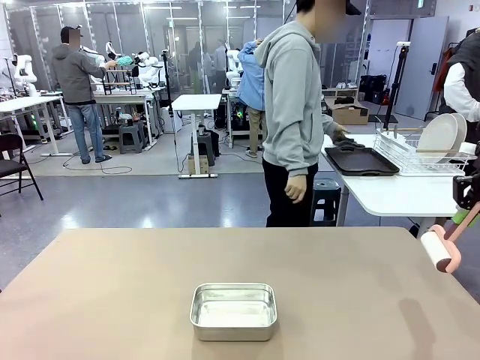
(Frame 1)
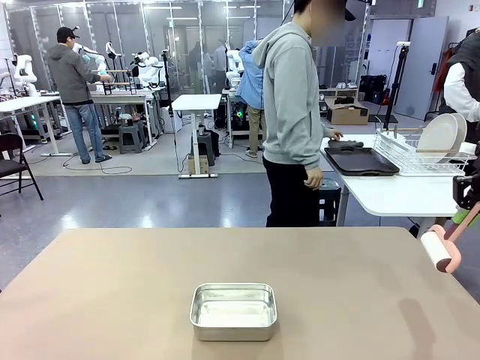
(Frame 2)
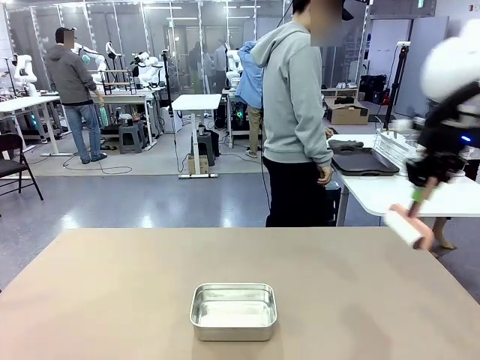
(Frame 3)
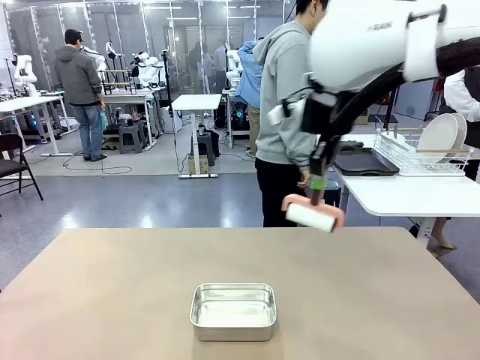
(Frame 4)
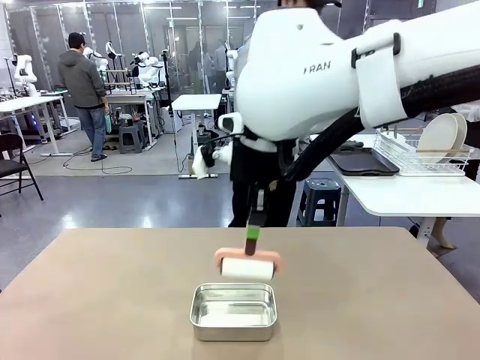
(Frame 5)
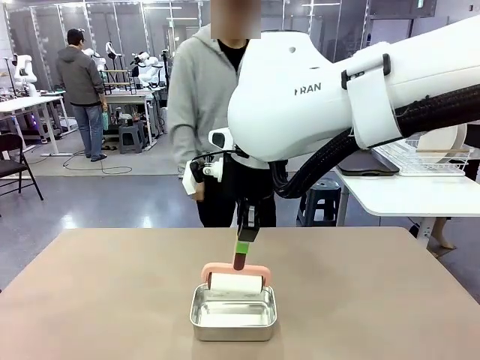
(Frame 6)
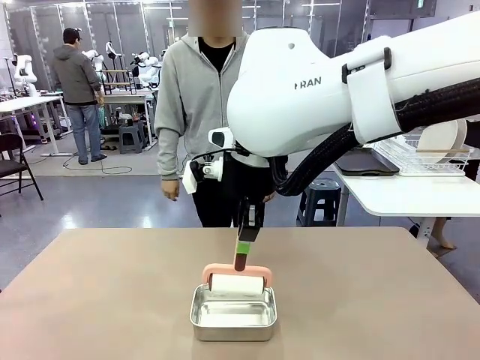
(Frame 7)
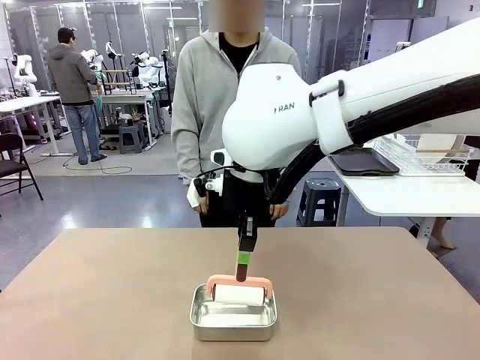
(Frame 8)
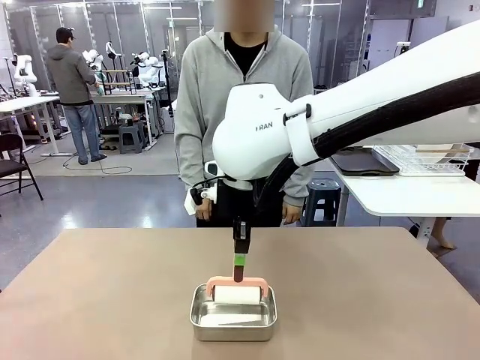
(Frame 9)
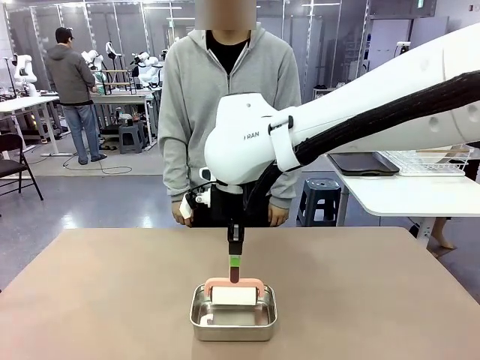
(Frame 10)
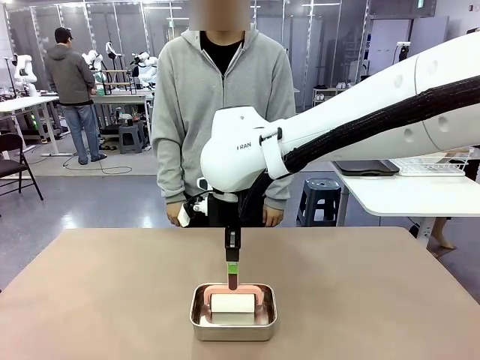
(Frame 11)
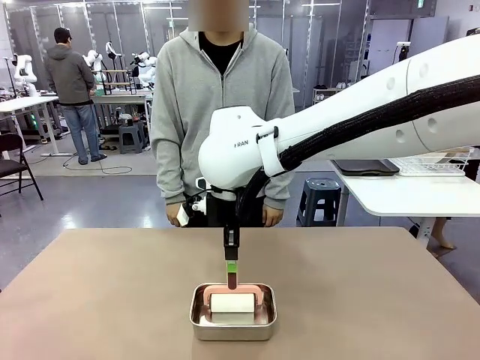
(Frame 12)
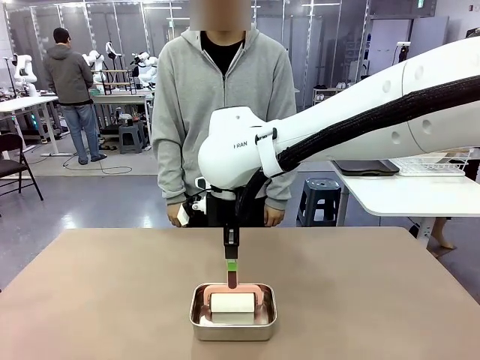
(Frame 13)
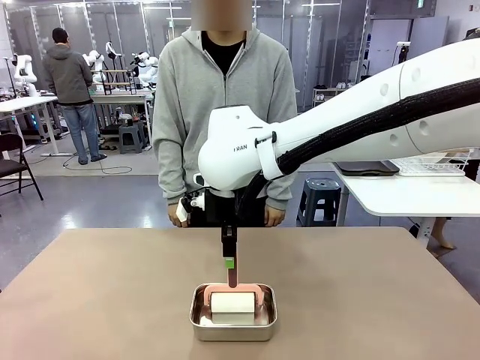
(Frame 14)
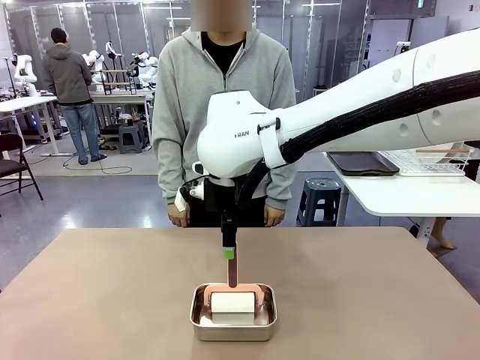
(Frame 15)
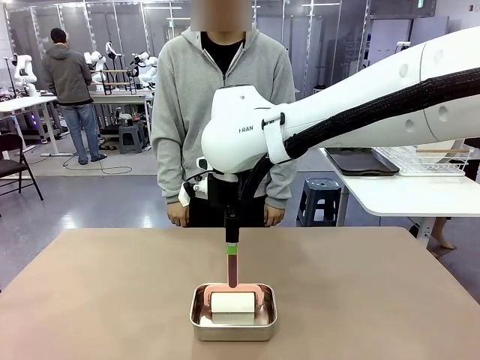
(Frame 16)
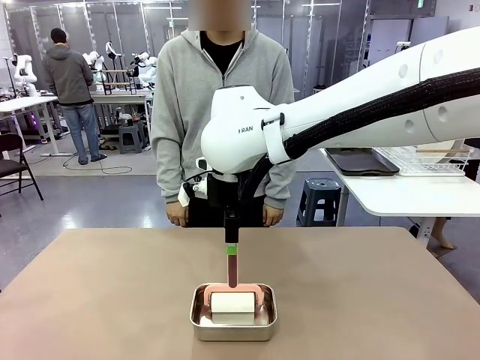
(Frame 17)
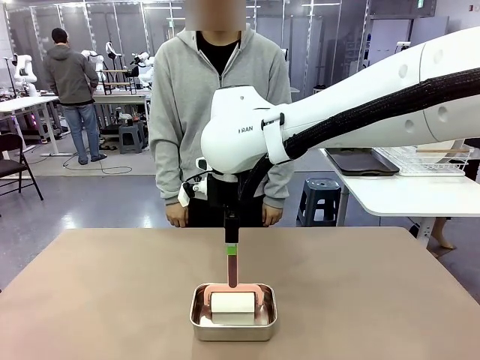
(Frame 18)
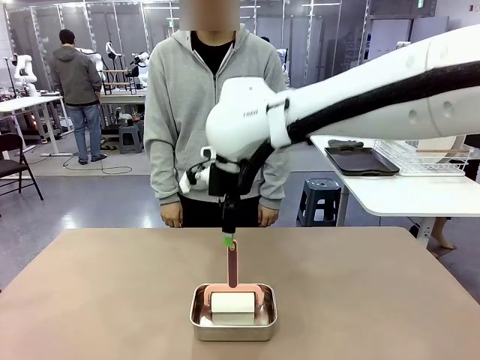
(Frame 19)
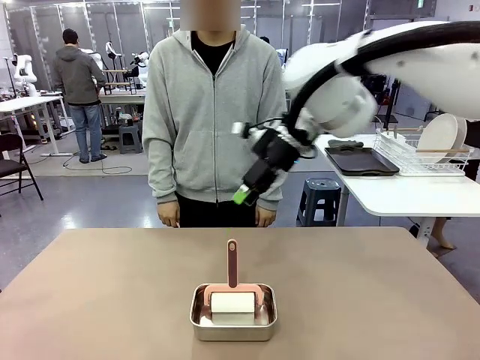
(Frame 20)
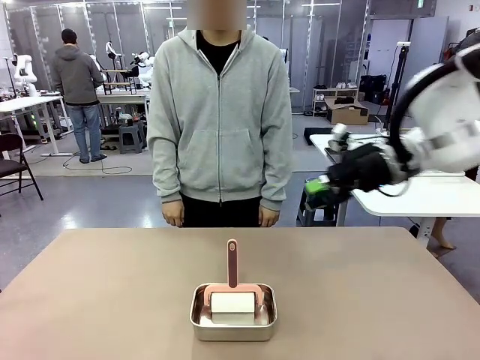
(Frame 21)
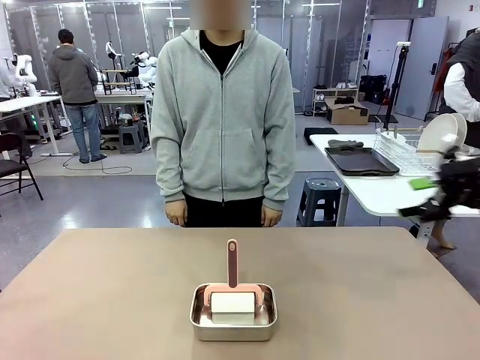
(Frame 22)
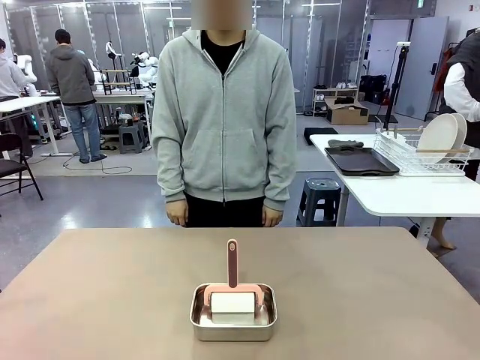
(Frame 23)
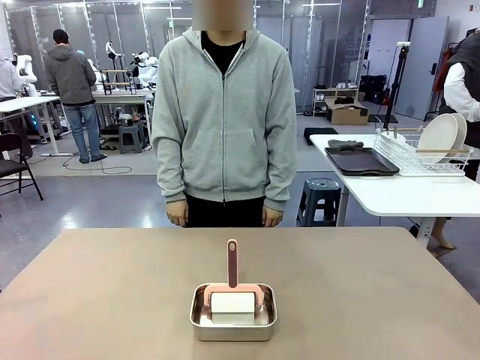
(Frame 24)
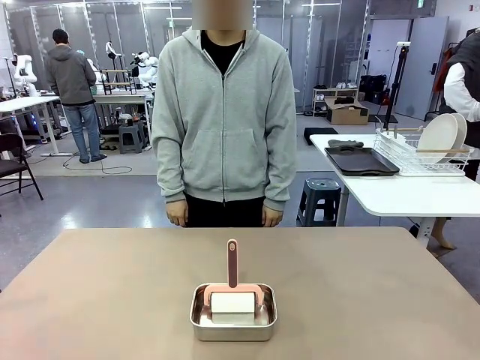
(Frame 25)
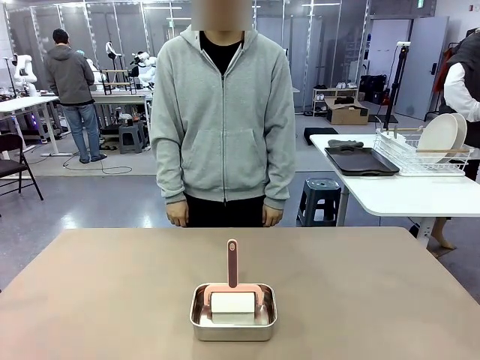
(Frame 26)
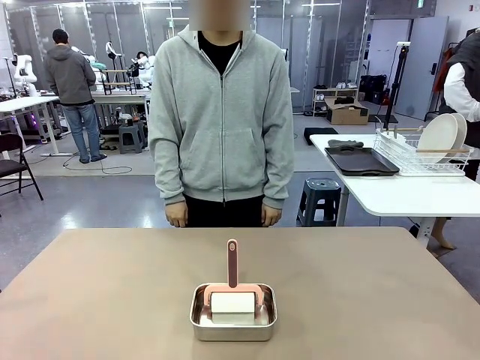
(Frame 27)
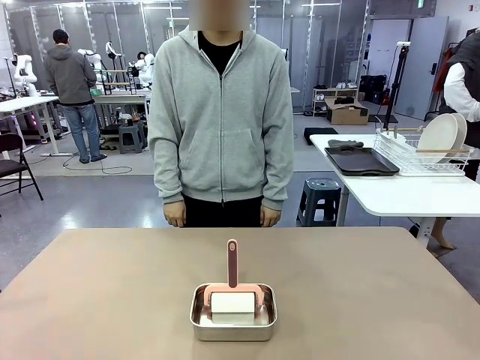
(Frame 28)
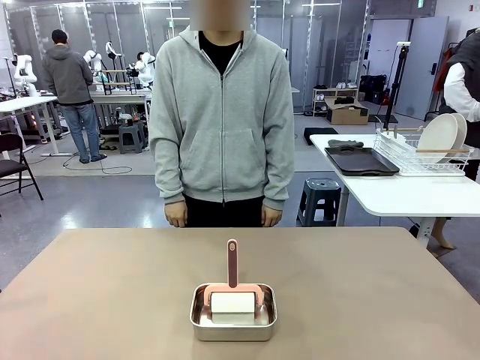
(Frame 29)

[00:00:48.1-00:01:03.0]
Robot: Place the Lint Roller back on top of the Airtight Container.
Person: Use the Towel with hook to wipe the Plastic Matte Plate , Fork , and Knife and place into the Dish drying rack.

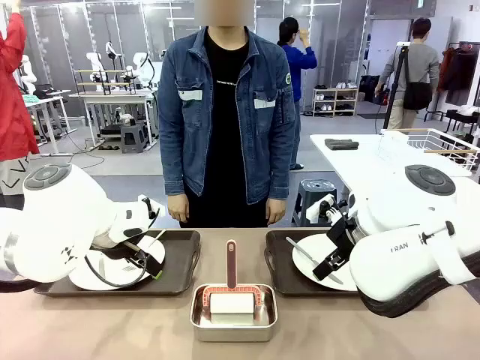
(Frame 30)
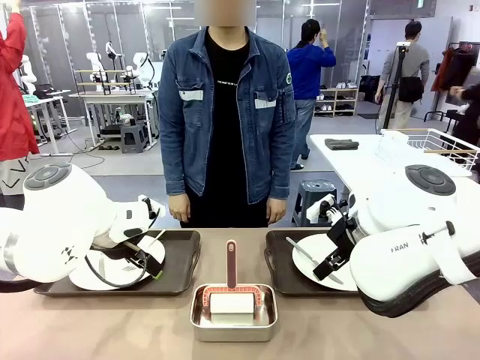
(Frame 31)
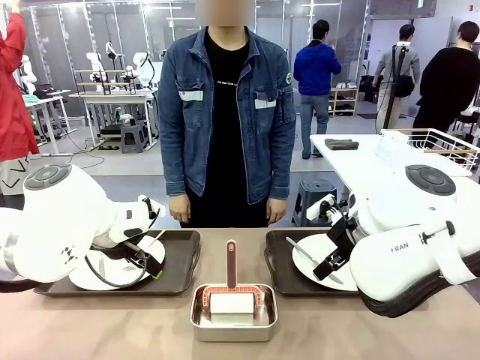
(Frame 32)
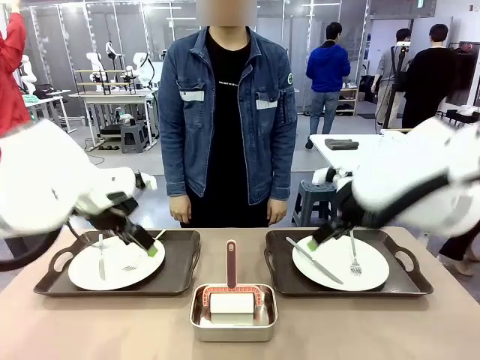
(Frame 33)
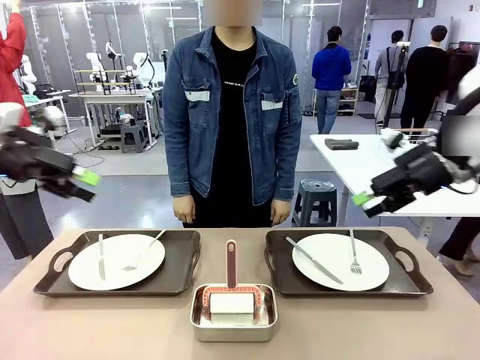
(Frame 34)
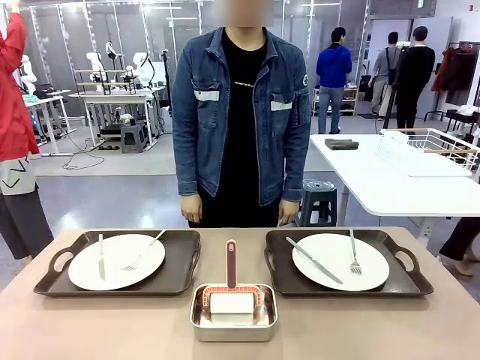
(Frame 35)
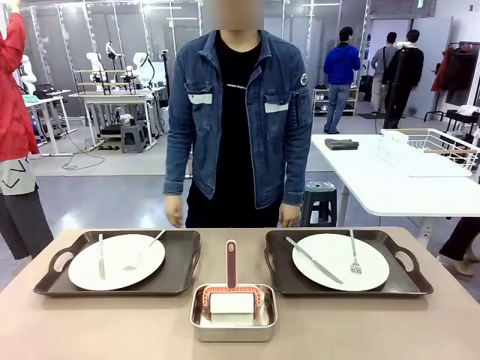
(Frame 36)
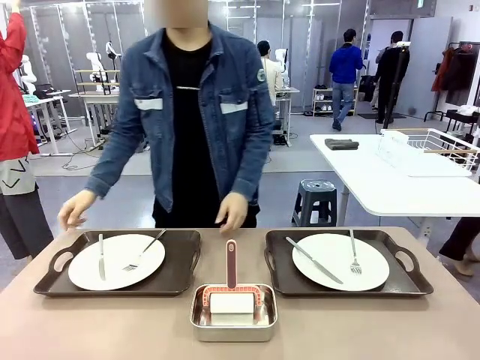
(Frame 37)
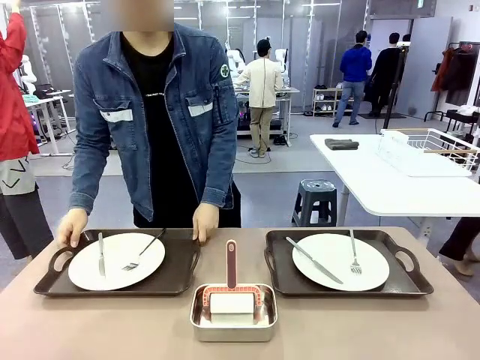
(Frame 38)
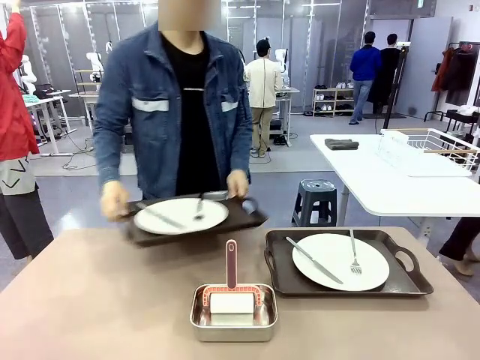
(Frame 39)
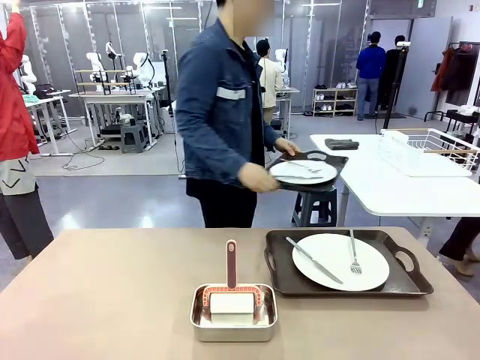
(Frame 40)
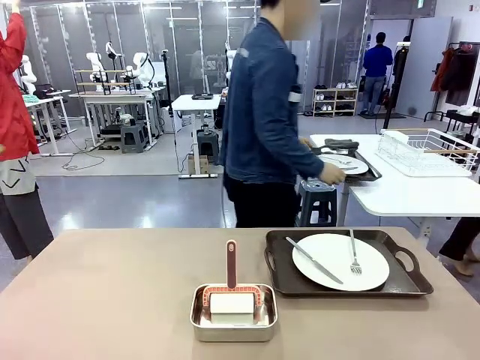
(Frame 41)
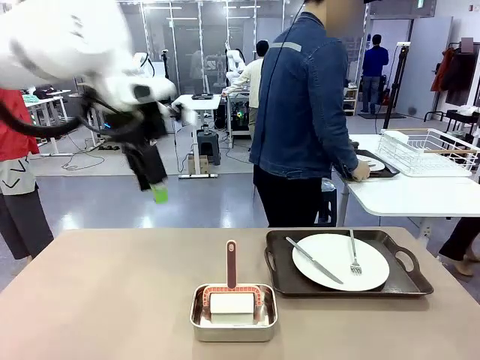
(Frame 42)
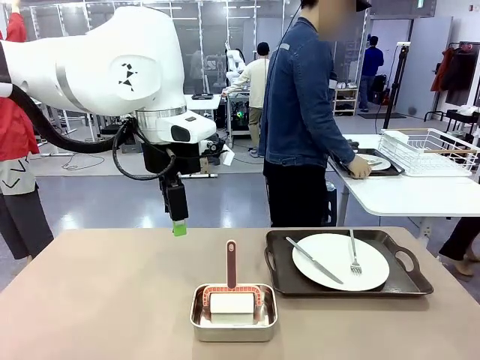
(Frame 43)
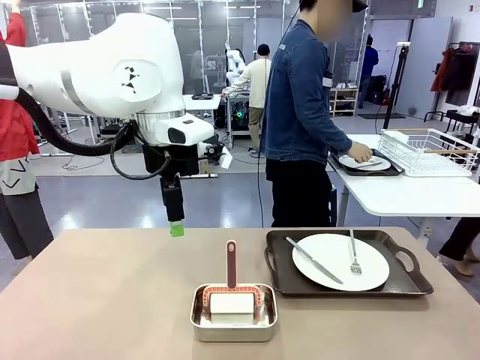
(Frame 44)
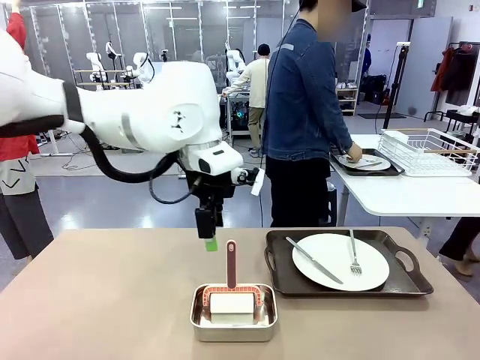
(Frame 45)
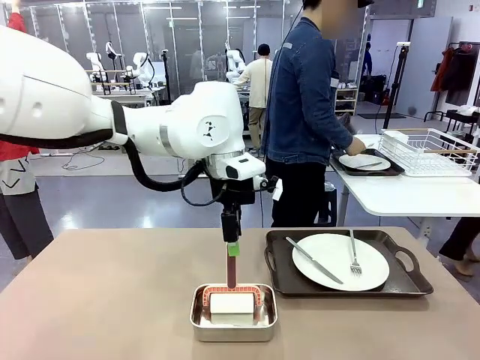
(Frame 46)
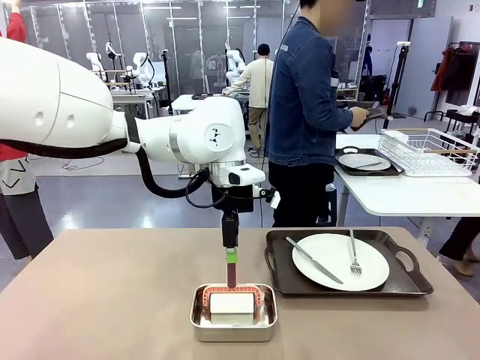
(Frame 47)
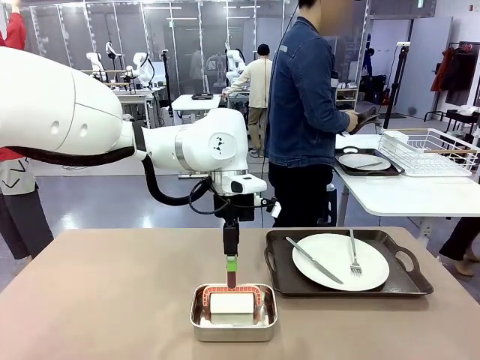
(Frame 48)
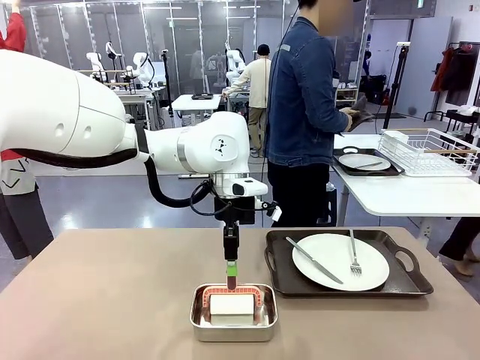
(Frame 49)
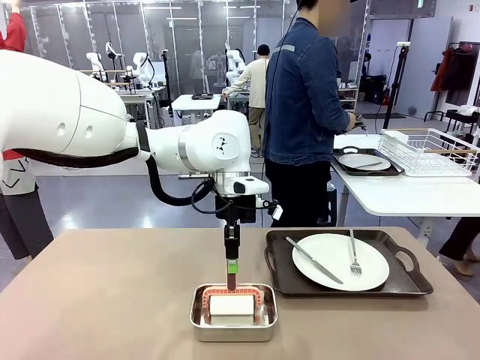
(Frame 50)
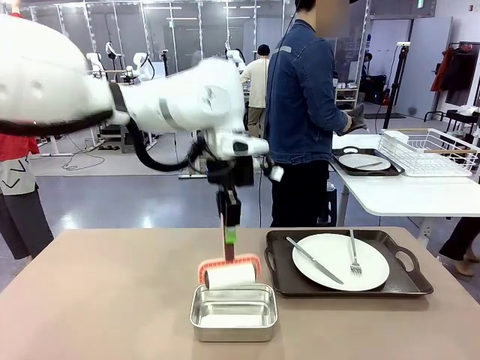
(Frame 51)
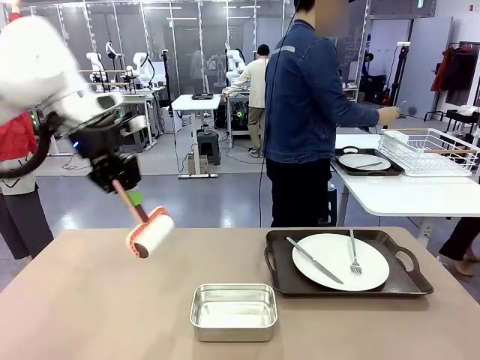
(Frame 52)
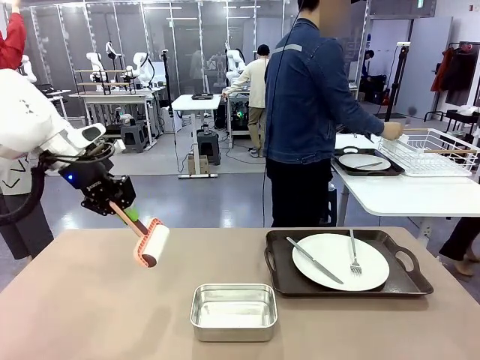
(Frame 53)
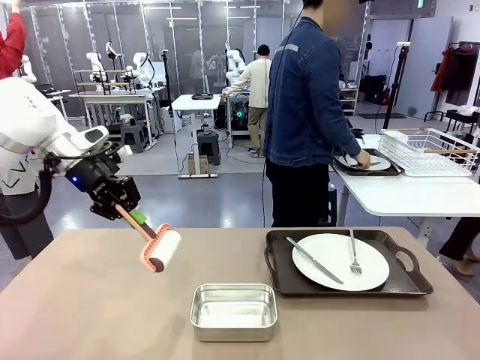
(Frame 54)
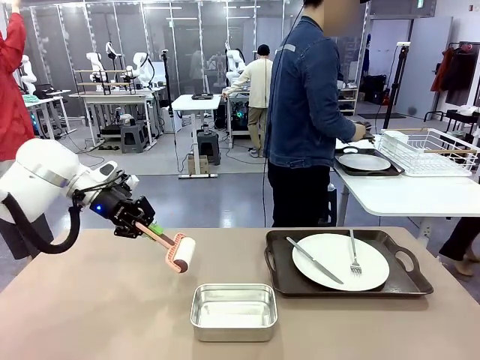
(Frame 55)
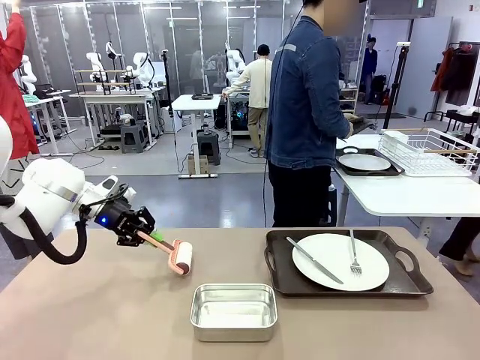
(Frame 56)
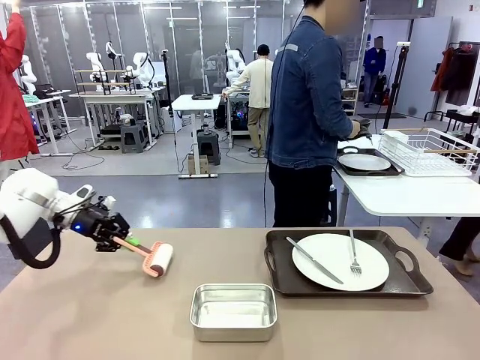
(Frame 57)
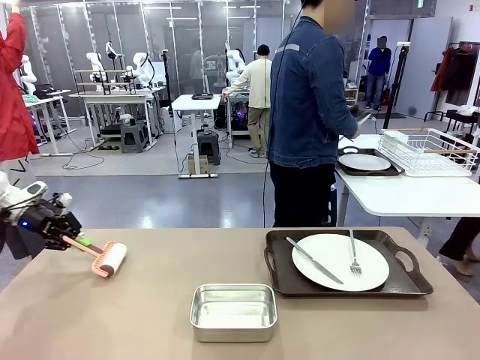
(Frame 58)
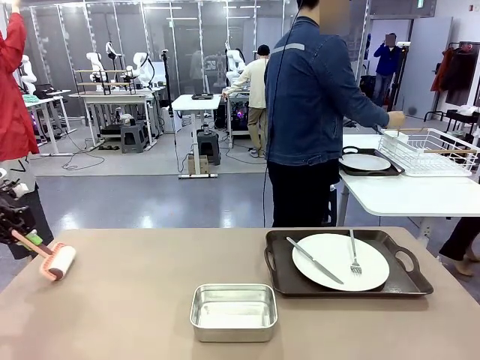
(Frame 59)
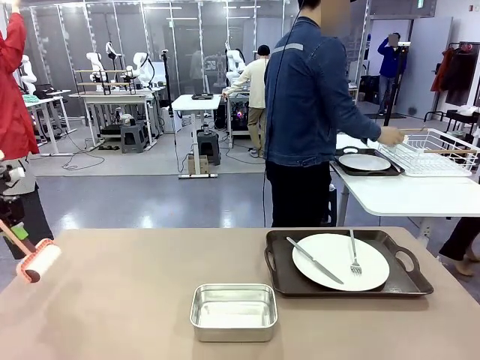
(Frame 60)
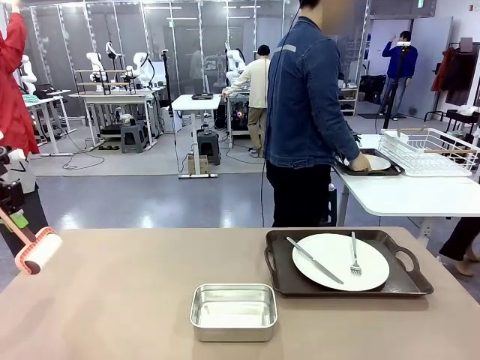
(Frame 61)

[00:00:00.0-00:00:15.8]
Robot: When the left (or right) Handle tray is removed, use the left hand (or right hand) to clean the left (or right) side of the table with the Lint Roller.
Person: Pick up the left (or right) Handle tray and place it on the middle of the Human's table. Use the Towel with hook to wipe the Plastic Matte Plate , Fork , and Knife and place into the Dish drying rack.
